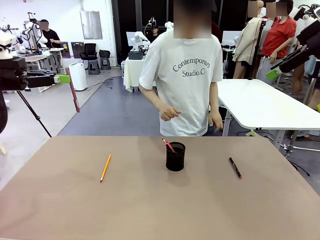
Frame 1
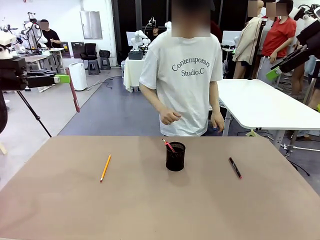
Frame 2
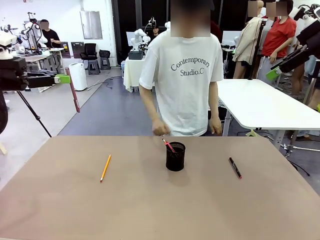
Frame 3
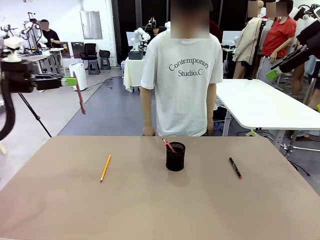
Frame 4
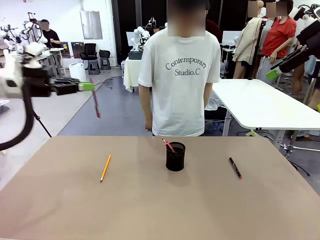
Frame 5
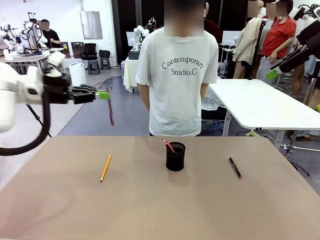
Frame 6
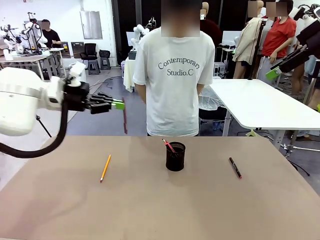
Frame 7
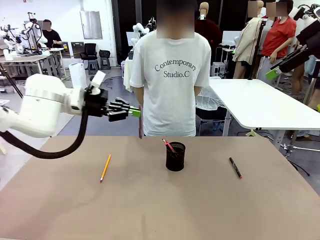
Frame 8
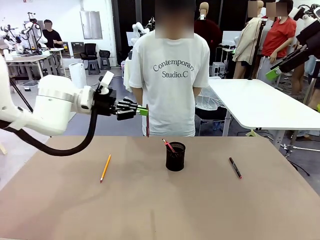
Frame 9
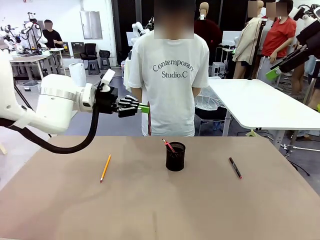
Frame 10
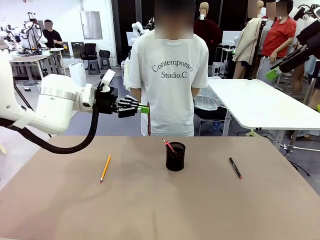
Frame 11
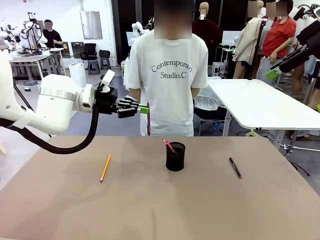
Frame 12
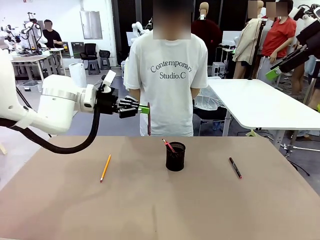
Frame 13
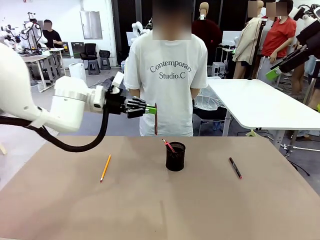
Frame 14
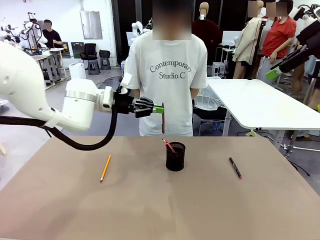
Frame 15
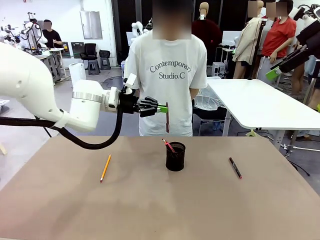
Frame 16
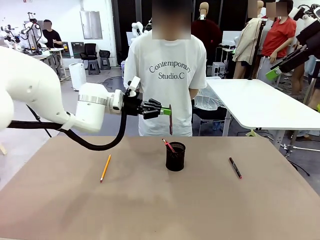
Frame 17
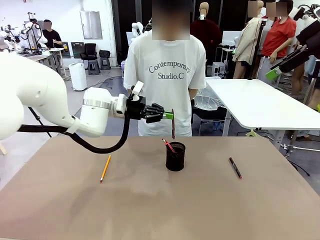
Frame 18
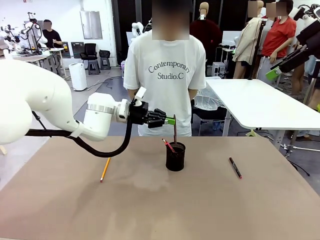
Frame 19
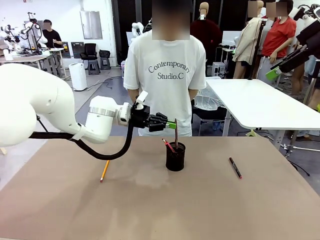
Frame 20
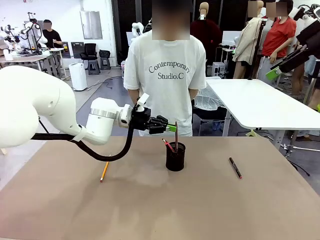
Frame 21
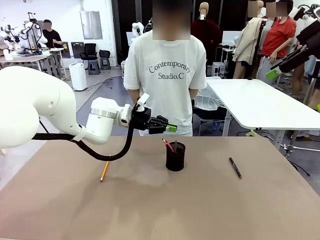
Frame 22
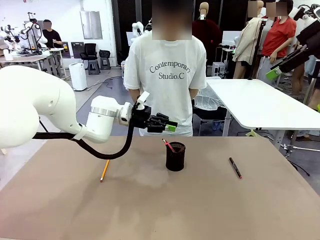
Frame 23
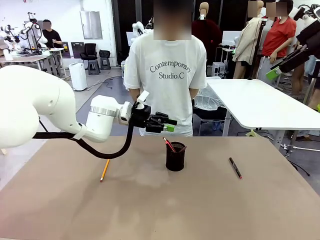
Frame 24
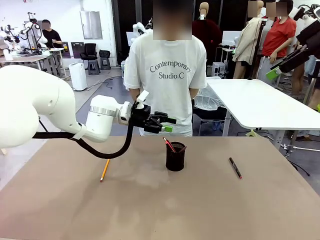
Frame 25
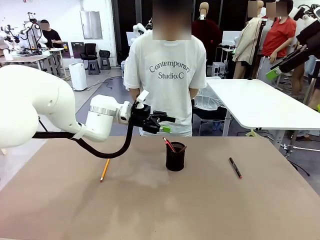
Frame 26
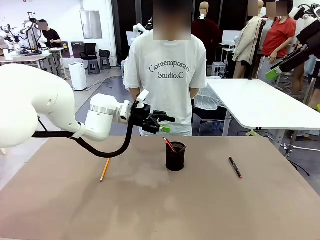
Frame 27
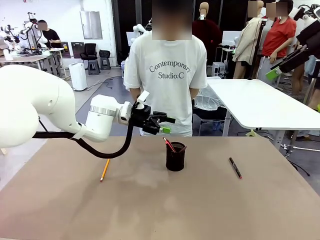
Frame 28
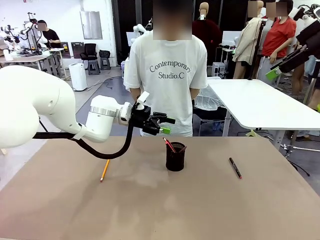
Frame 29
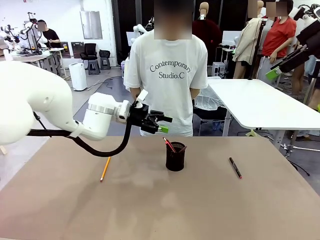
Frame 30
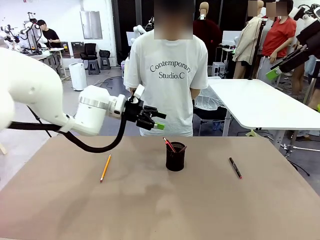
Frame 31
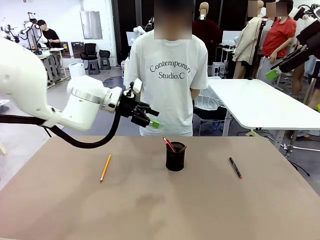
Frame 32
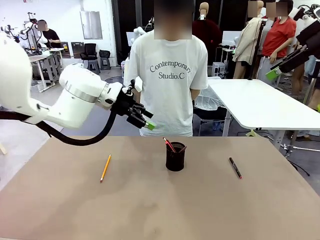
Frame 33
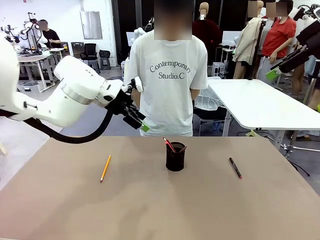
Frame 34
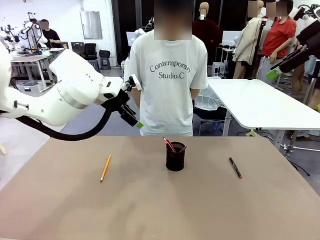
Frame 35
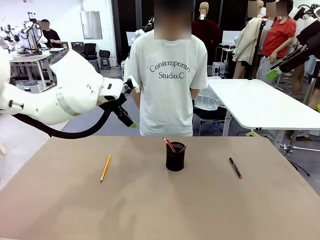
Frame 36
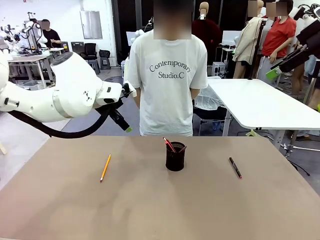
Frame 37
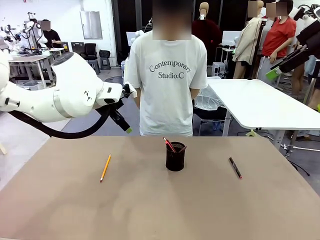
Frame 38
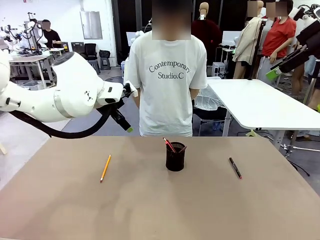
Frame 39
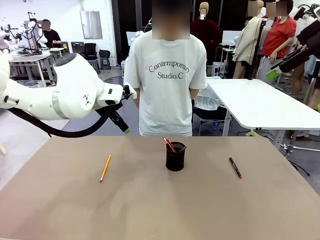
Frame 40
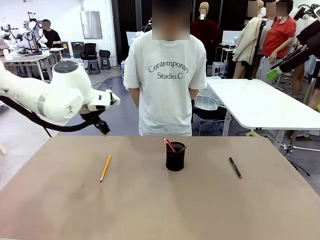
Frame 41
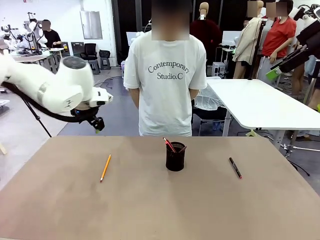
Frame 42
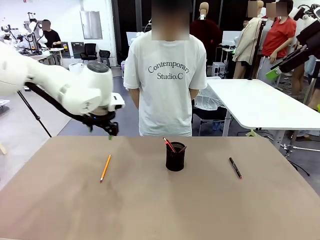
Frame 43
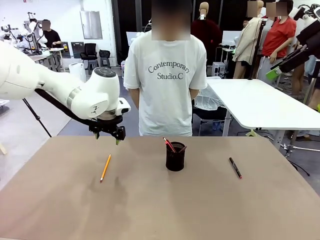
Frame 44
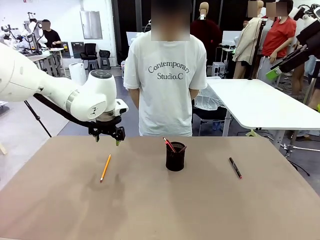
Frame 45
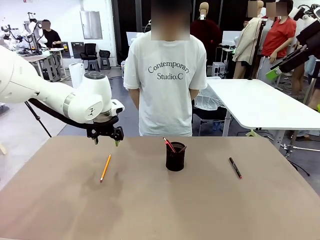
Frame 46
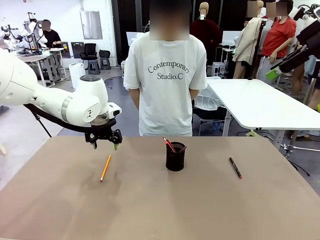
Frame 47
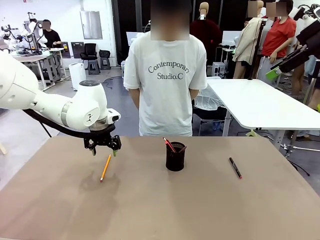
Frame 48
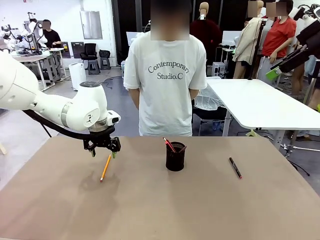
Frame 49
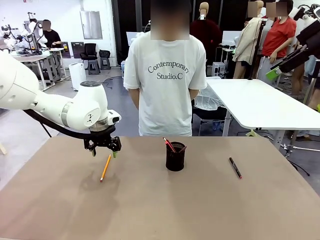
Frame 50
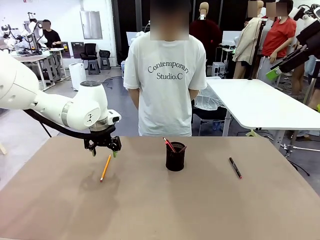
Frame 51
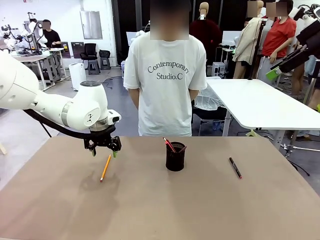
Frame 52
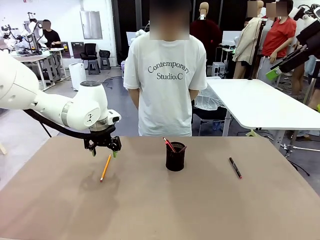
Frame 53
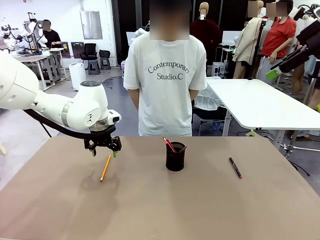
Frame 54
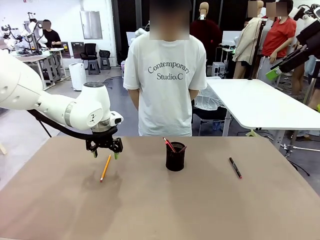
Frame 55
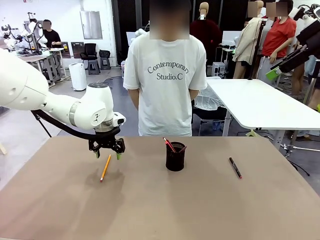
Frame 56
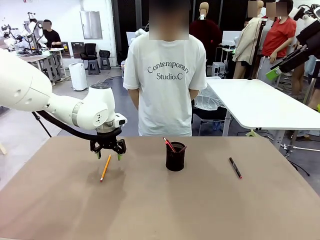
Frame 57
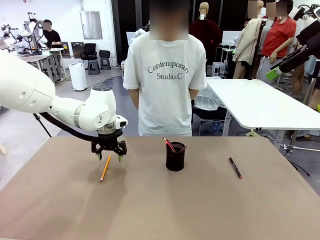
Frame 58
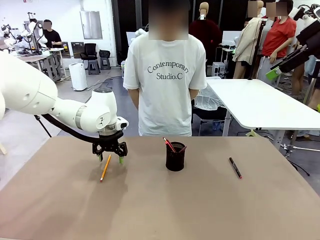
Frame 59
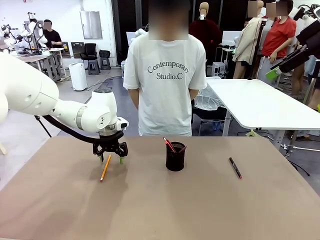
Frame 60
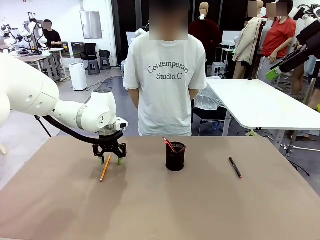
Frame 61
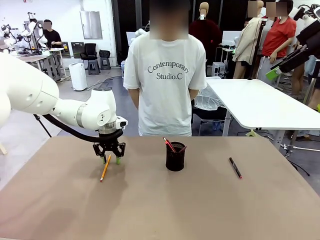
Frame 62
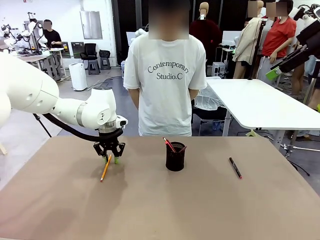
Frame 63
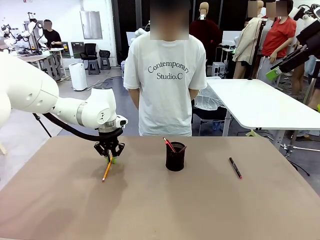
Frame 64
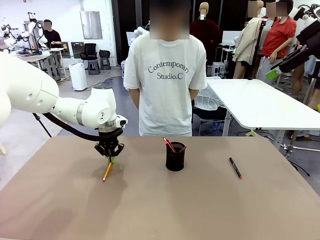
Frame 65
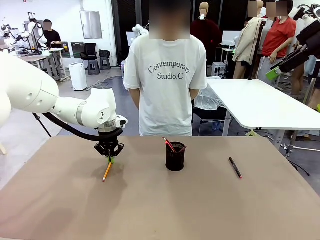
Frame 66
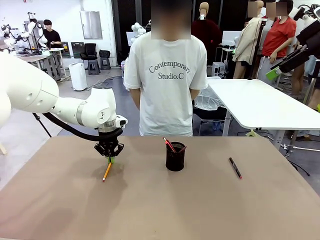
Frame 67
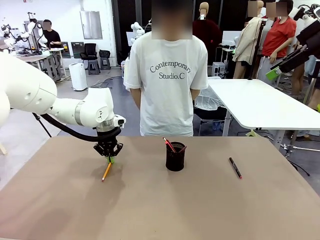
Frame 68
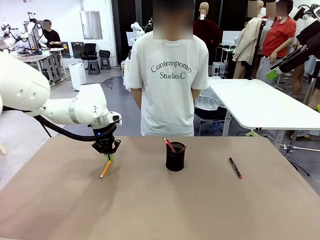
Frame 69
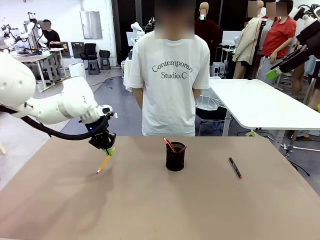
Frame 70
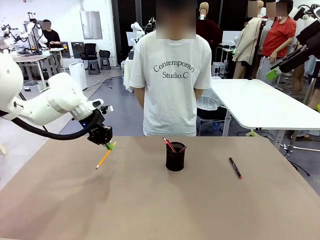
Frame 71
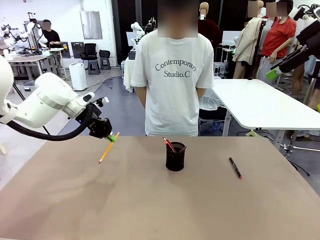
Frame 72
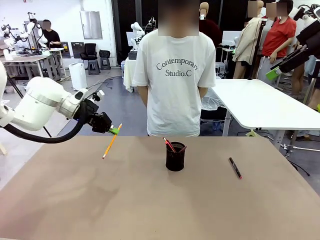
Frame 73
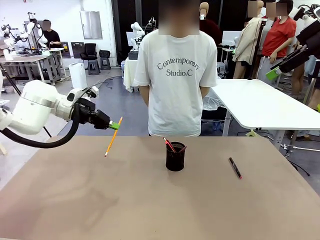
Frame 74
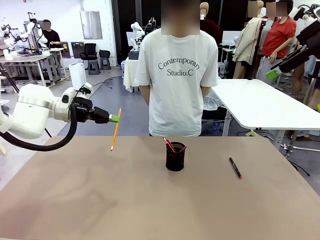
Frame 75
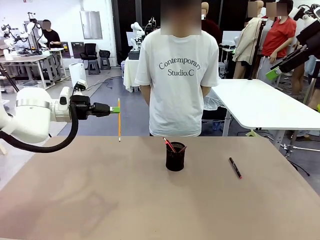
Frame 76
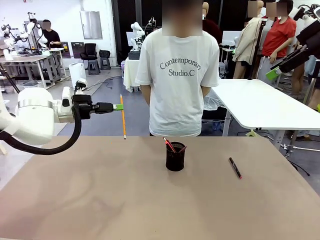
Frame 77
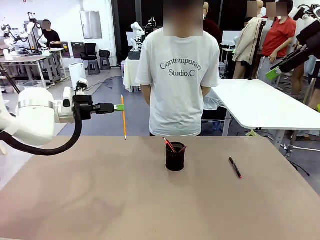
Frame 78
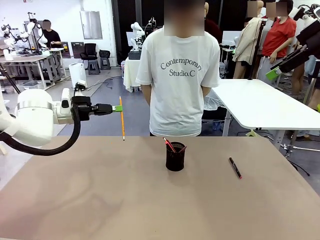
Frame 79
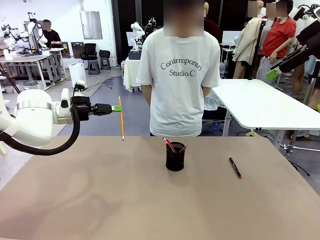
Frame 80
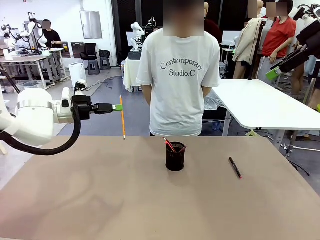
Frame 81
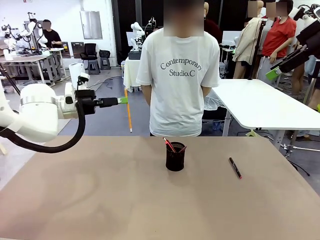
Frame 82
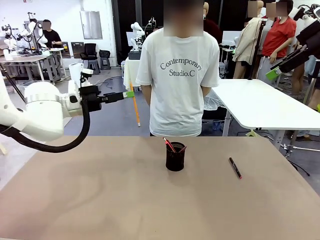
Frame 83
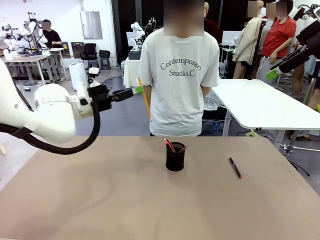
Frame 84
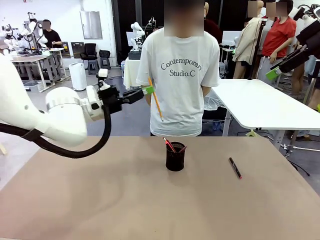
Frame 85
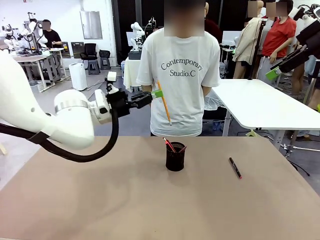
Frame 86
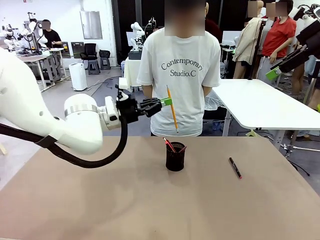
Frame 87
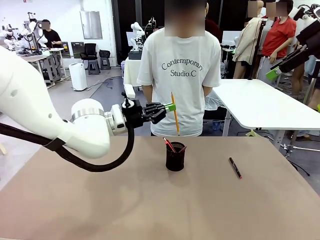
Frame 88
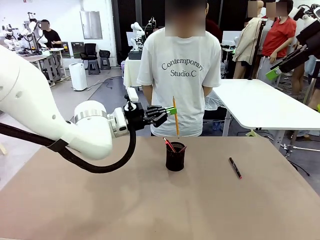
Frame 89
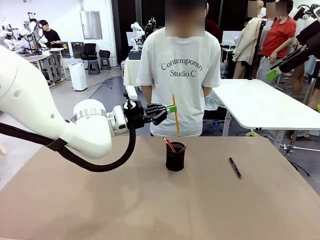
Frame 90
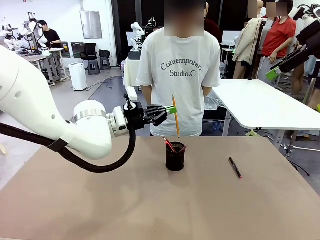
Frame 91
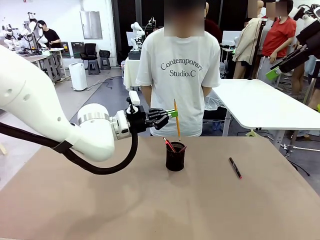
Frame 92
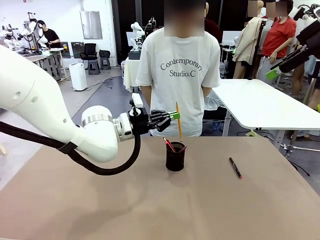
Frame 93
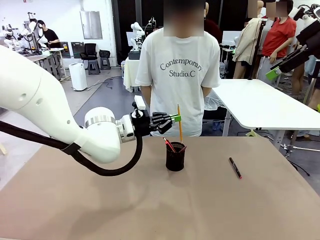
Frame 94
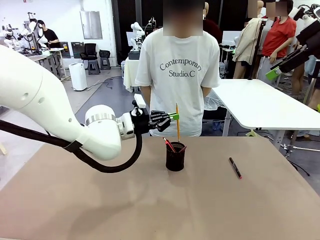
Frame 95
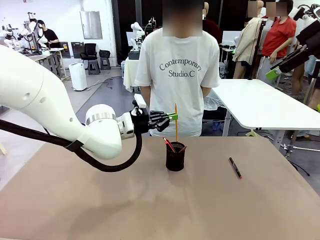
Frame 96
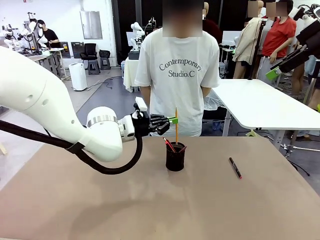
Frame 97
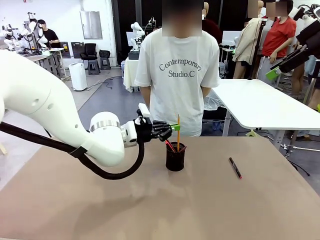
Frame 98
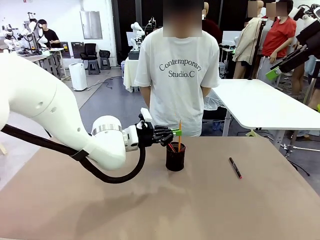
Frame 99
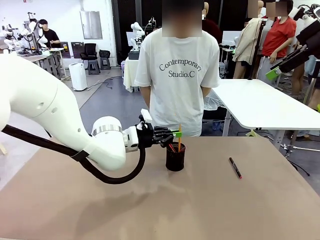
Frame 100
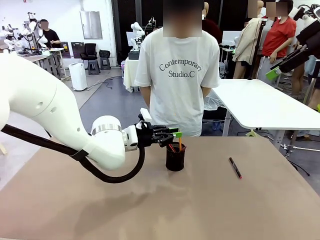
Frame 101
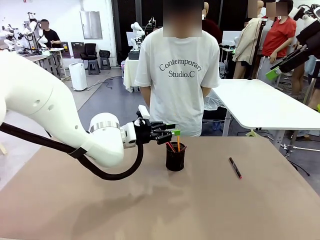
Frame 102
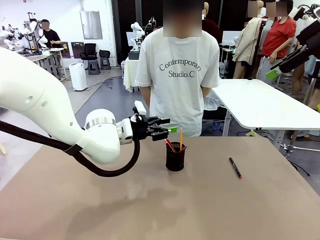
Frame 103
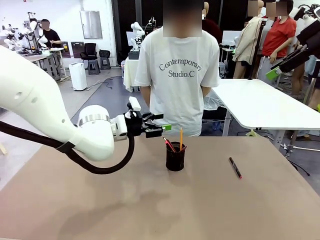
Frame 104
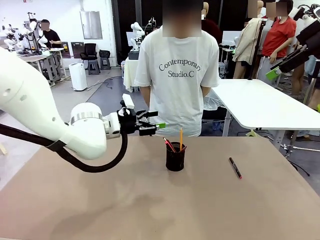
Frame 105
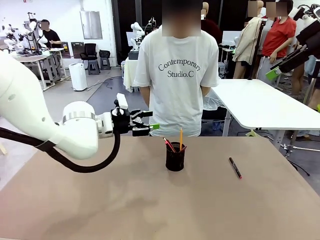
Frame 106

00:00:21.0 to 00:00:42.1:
Task: Place the pens into the pen holder.
Robot: Pick up a writing instrument from the table and place it into the Pen holder.
